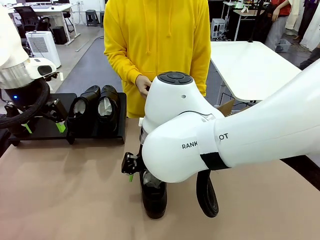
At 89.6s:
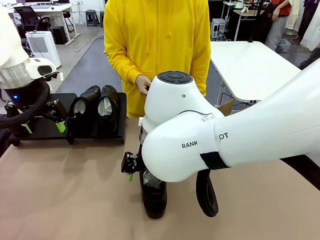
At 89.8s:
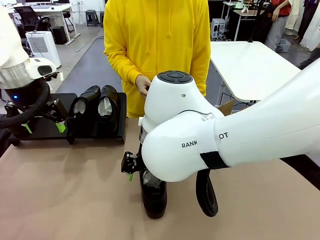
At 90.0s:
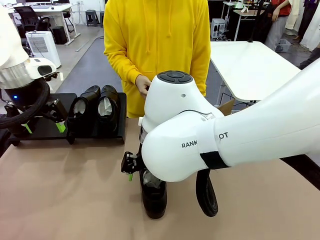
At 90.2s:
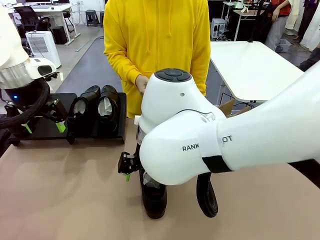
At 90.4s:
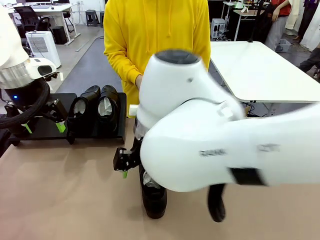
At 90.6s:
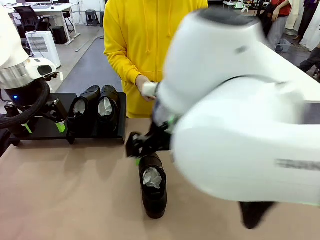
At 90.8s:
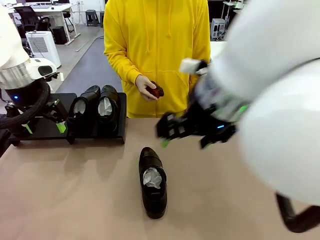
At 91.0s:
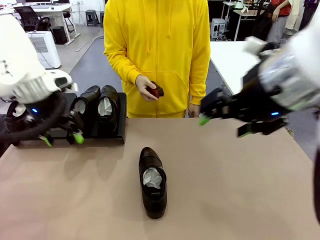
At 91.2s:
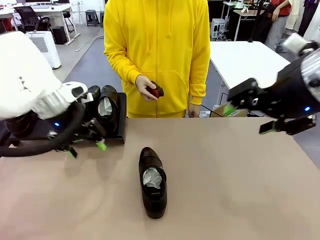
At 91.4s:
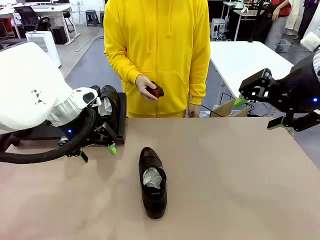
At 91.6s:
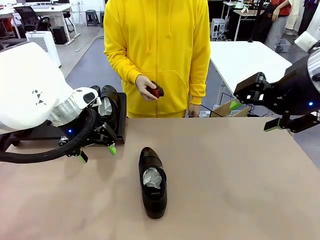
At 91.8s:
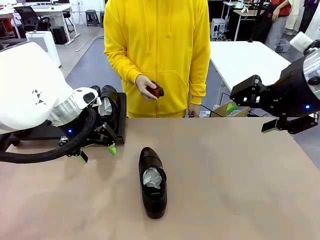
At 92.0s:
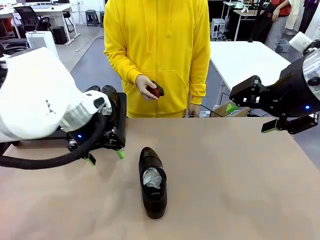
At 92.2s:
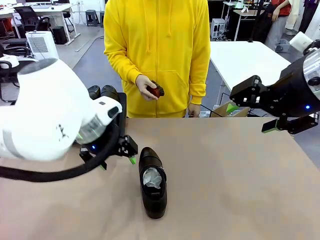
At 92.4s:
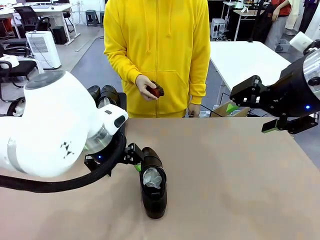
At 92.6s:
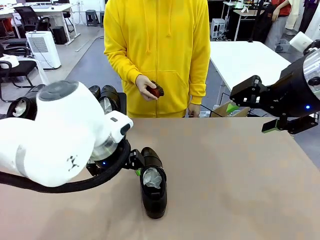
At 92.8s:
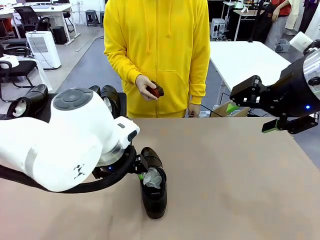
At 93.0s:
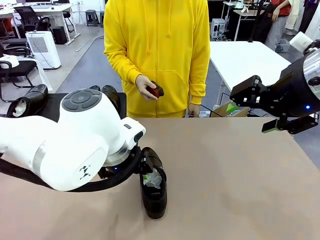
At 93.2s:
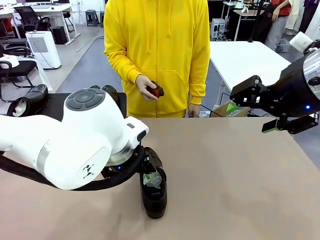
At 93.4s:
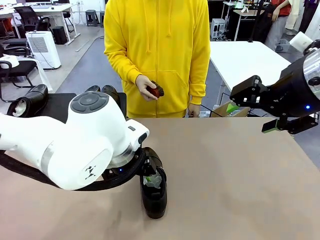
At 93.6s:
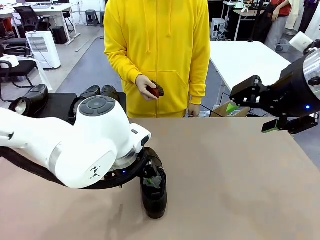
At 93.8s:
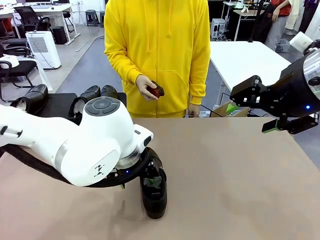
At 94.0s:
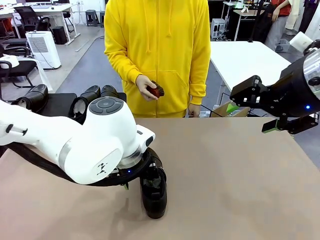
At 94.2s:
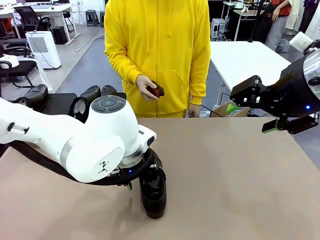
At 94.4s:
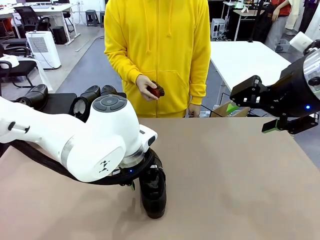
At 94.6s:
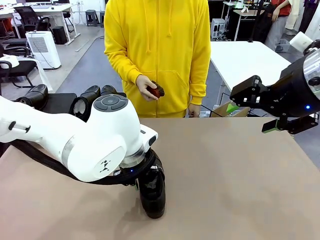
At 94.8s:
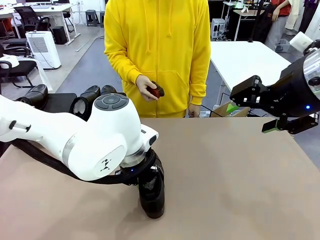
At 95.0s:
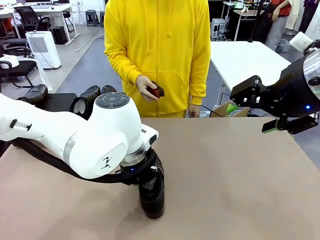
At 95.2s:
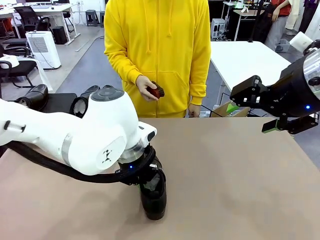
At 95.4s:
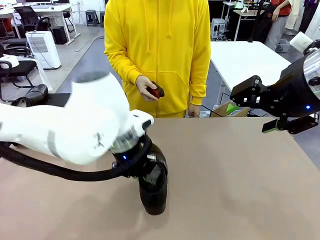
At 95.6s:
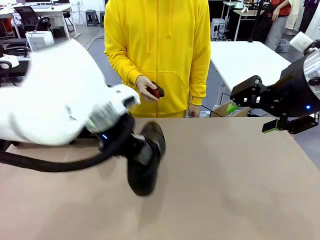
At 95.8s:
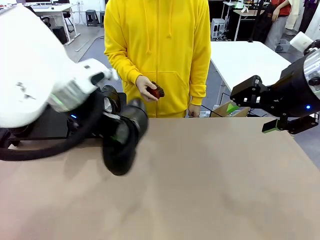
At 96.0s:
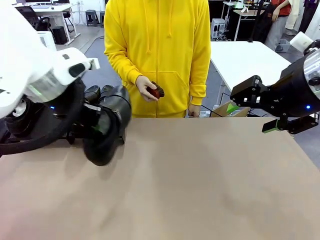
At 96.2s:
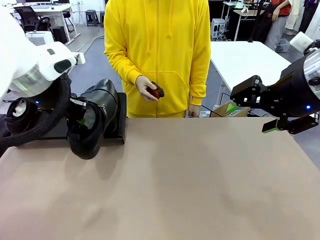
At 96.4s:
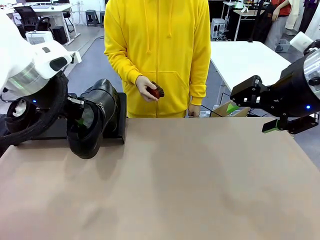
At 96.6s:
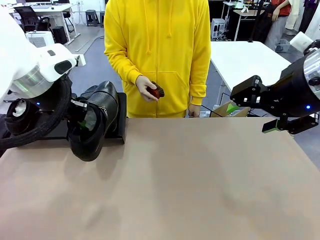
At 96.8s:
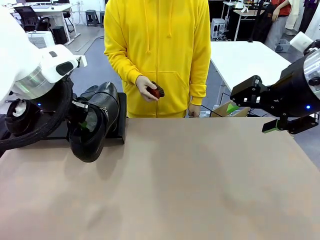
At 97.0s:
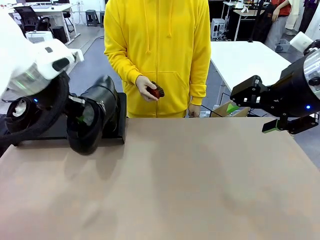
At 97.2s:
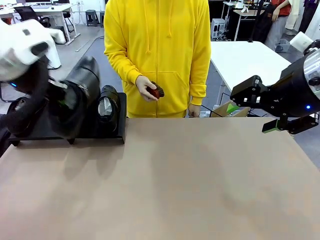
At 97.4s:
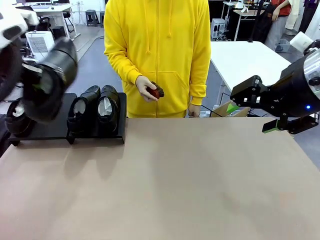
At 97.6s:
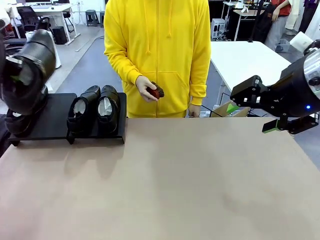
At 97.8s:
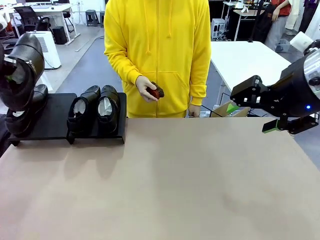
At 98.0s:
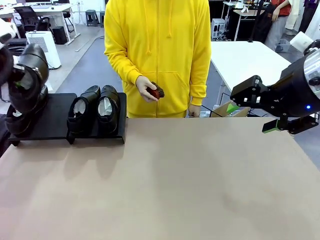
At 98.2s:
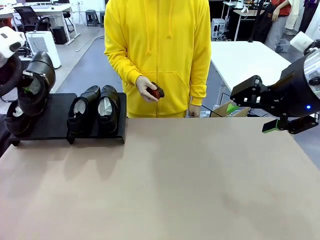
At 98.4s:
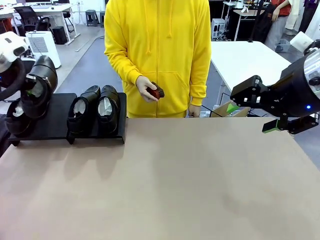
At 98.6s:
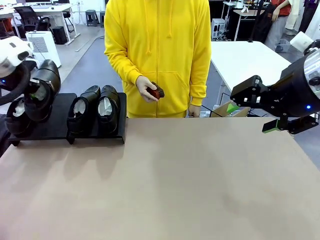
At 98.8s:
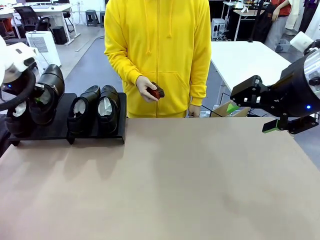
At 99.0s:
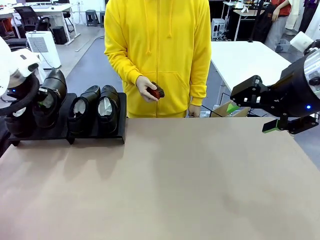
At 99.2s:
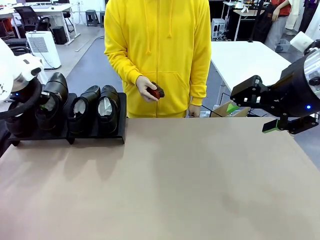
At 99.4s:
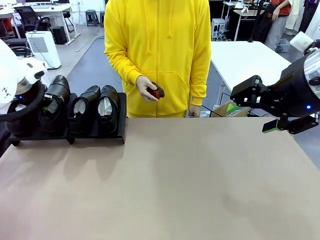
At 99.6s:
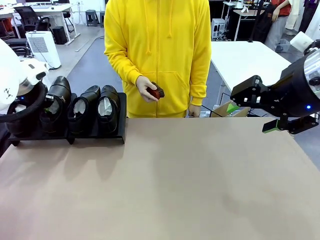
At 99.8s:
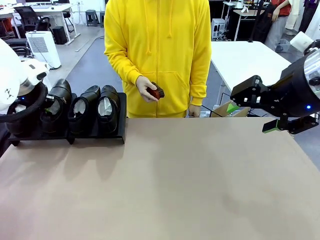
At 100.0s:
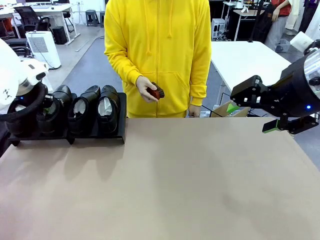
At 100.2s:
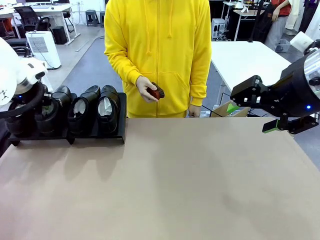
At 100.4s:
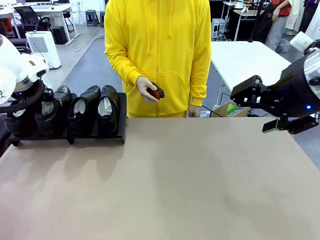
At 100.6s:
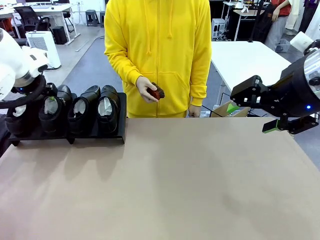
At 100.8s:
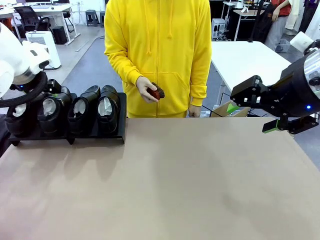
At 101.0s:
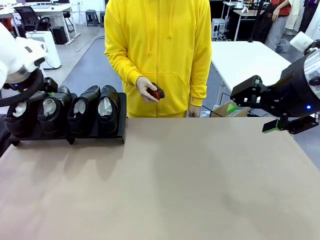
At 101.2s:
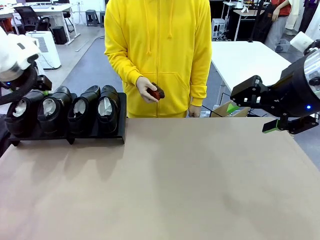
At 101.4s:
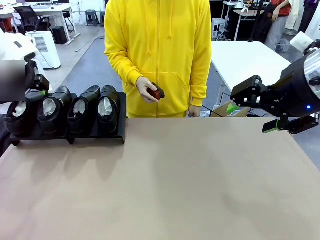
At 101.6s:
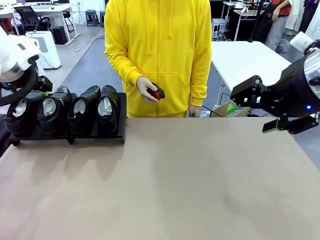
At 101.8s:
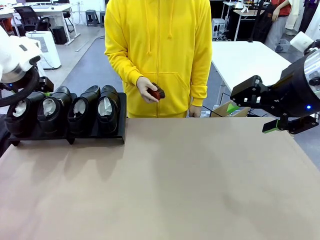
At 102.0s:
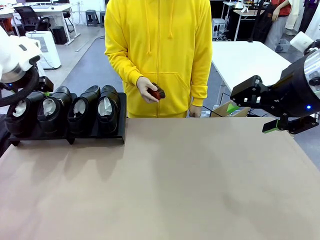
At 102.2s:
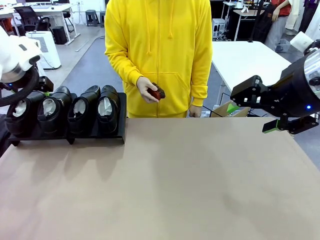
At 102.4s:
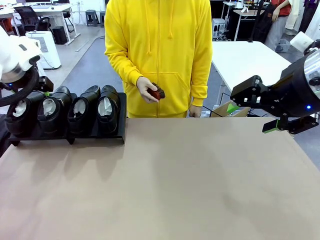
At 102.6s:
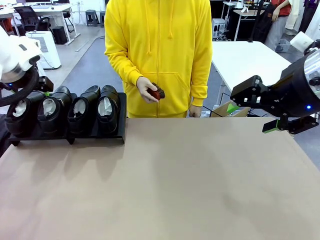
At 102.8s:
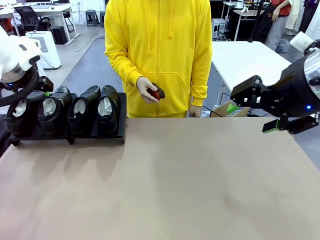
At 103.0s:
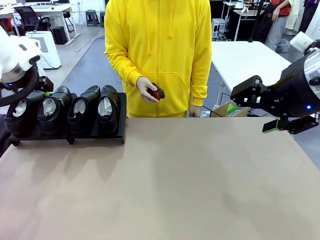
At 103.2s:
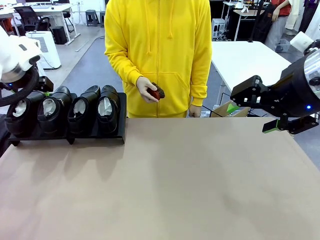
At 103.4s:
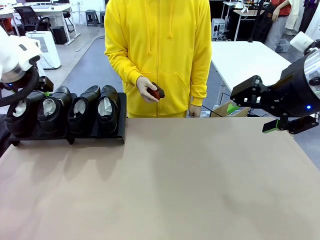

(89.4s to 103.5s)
Task: Organize the shoes by placing them on the stand.
Robot: Place the Shoe from the middle of the table onto the Shoes Stand.
